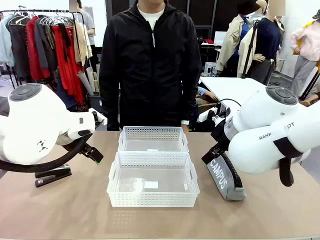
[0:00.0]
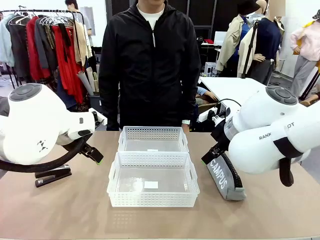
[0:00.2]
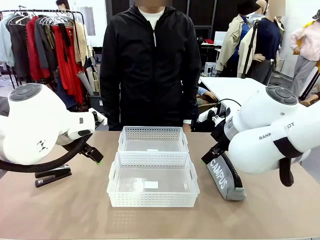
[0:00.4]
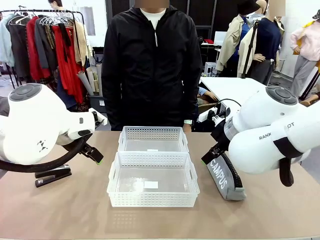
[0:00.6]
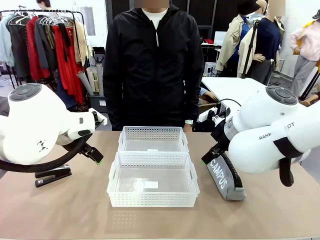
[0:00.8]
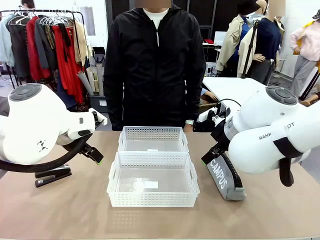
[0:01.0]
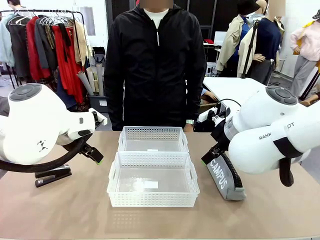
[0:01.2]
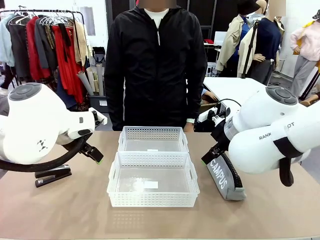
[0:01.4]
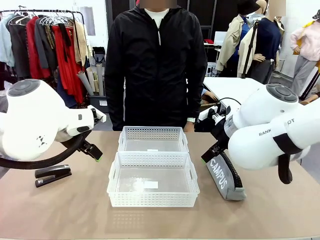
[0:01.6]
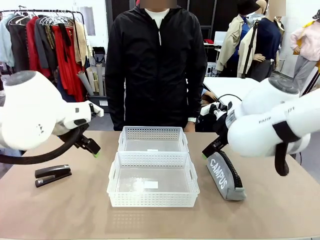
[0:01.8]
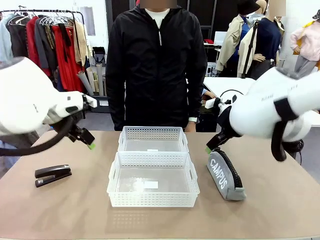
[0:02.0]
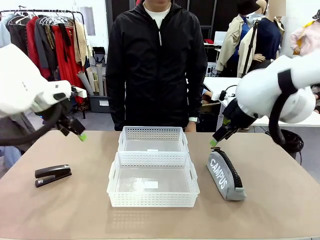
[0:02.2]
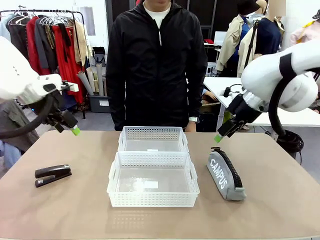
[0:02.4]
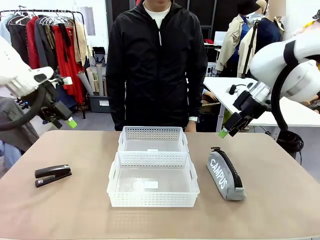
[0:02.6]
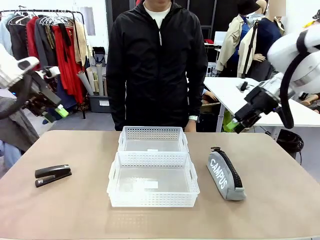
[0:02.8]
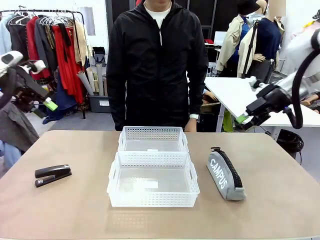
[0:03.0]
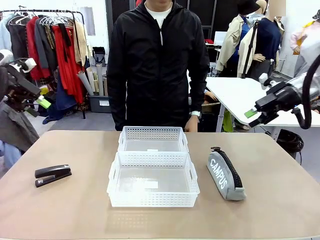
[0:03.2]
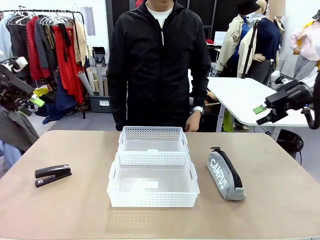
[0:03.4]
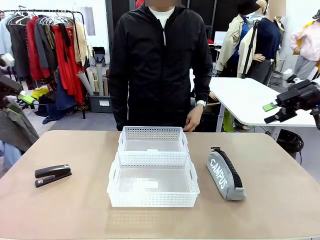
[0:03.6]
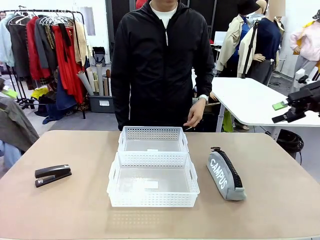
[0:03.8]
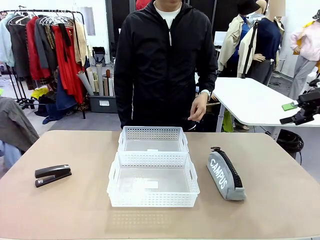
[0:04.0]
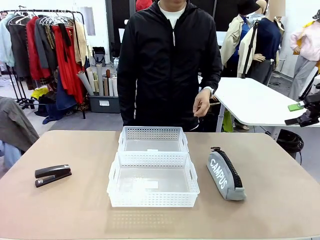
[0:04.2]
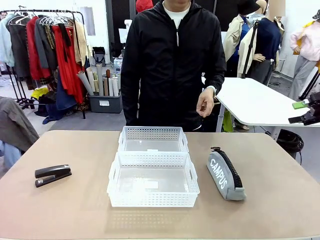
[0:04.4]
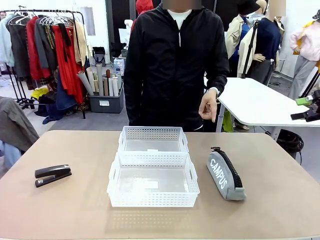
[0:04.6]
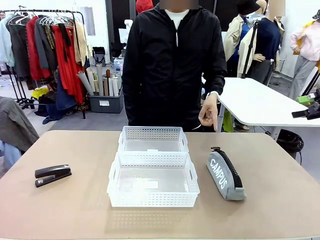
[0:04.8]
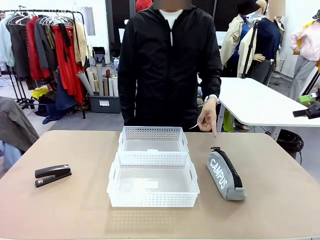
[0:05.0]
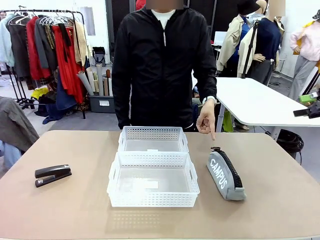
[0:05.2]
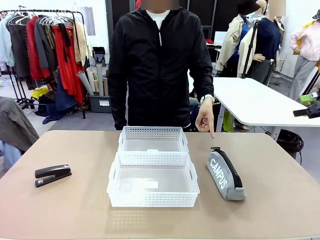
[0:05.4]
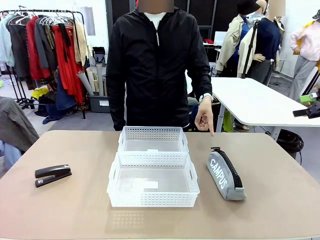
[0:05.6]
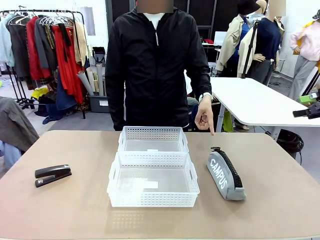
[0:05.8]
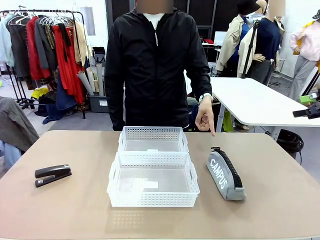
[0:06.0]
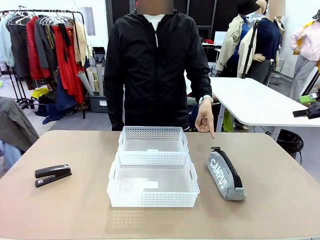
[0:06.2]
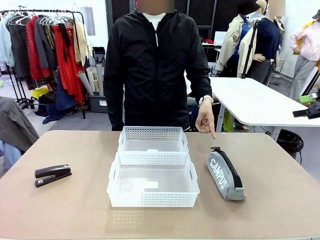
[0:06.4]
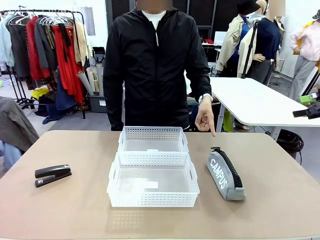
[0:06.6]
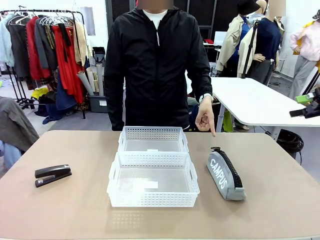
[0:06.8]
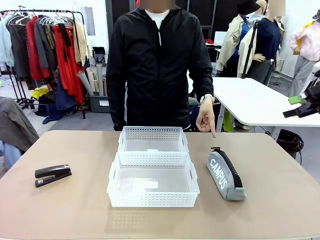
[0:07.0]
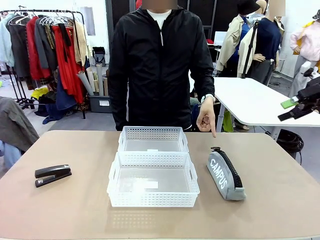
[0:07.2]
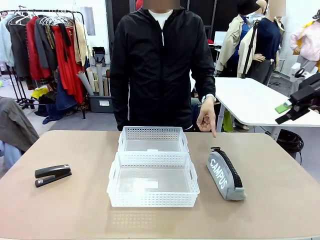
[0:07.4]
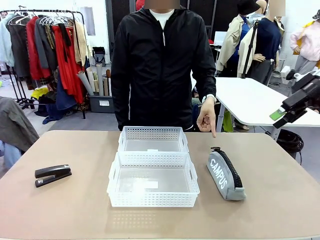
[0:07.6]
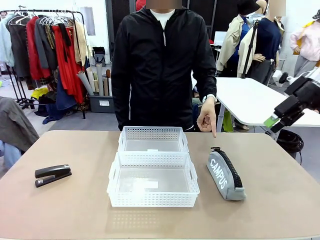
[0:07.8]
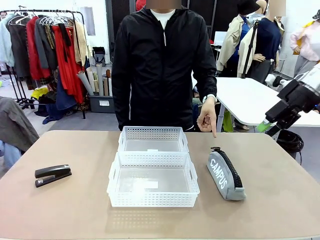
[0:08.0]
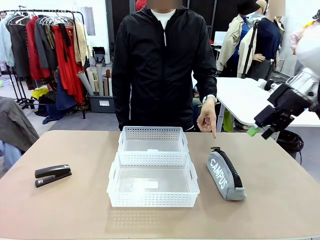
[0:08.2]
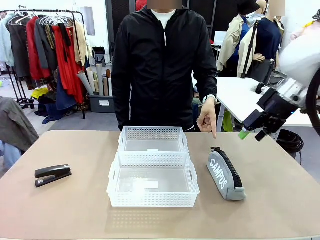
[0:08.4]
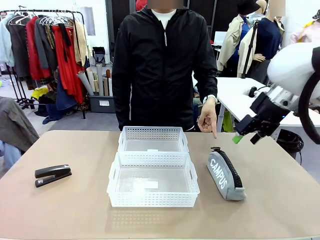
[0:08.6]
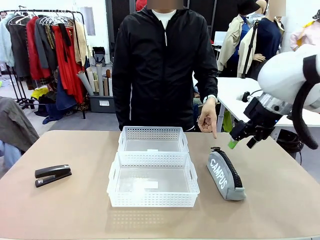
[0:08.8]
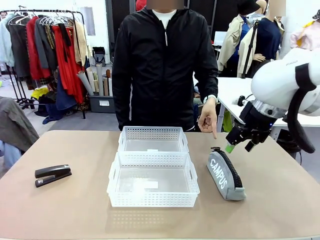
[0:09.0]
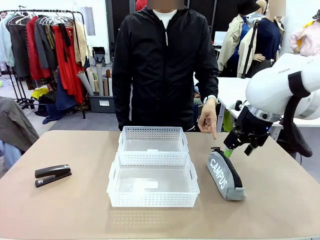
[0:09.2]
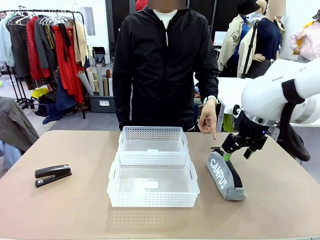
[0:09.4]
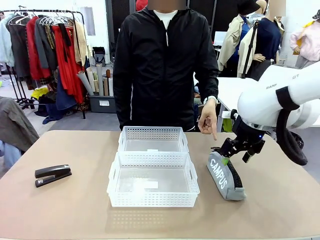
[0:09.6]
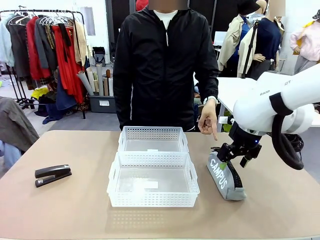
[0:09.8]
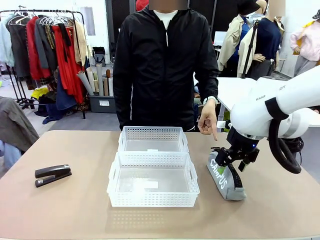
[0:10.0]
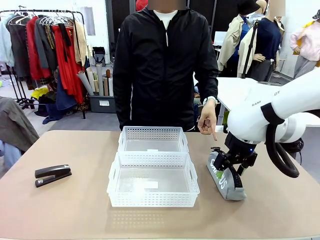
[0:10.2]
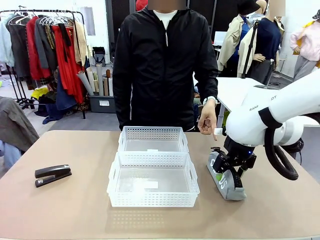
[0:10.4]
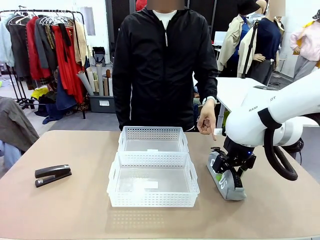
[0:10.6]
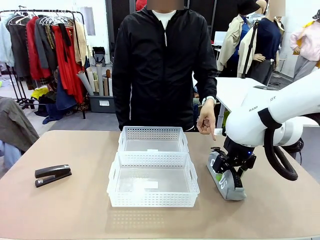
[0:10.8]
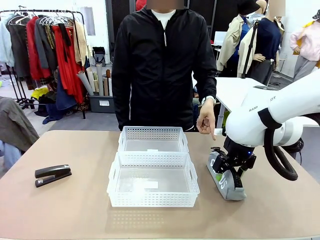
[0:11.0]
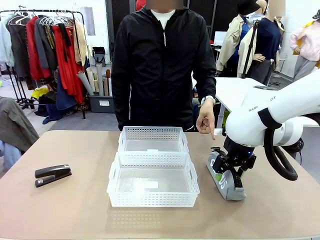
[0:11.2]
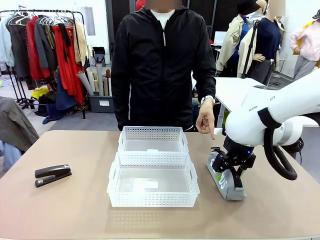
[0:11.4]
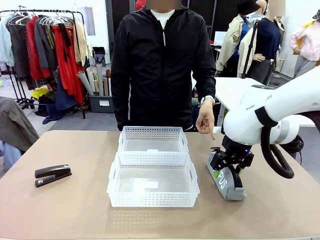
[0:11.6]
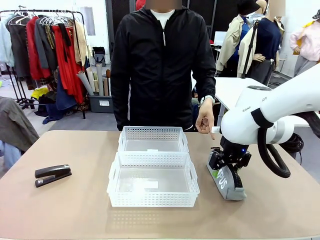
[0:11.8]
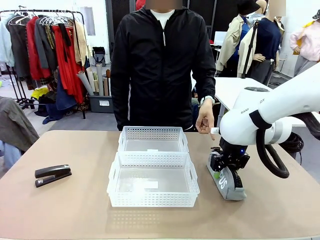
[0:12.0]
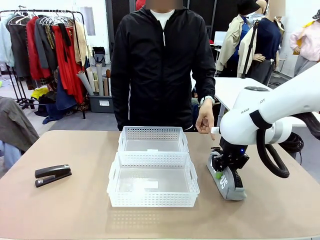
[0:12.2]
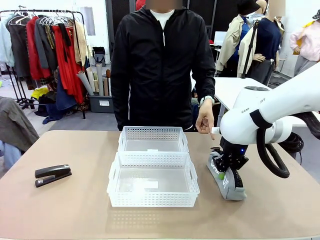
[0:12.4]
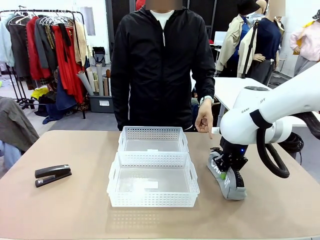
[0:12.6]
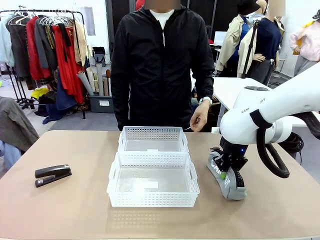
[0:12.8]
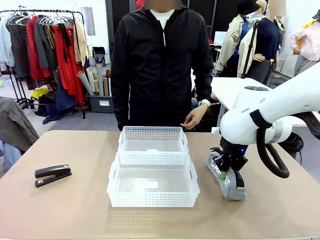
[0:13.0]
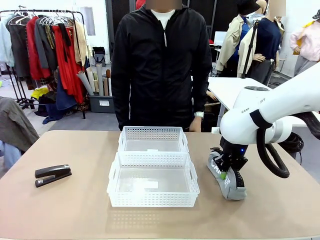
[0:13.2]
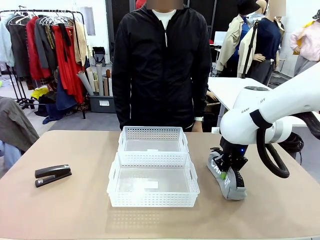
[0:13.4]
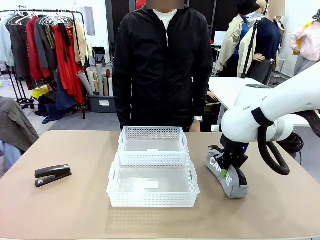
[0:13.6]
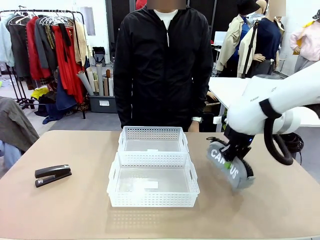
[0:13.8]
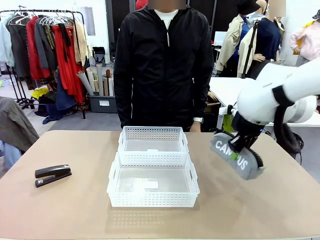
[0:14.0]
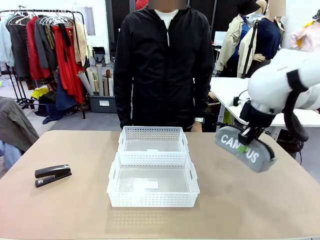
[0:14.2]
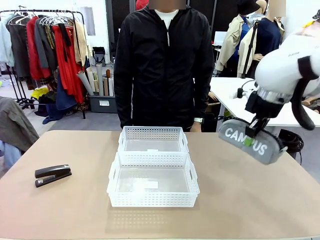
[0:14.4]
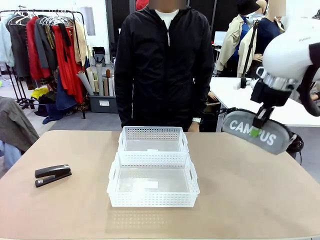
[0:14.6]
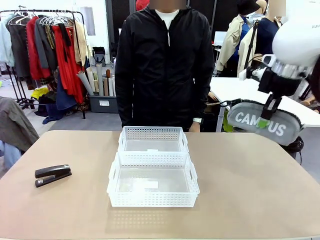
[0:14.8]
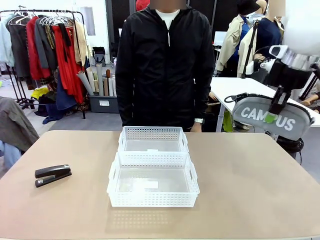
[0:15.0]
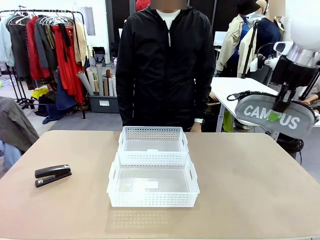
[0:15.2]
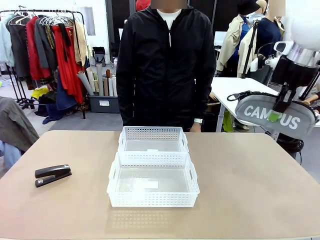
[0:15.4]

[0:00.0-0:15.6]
Task: Distribute items into two baskets.
Robot: Pick up the Pencil pouch that the person points to.
Person: Points to the pencil case. Points between the two organizing baskets and instructs the robot to move the pencil case.

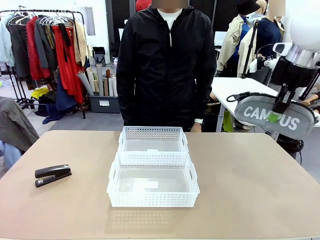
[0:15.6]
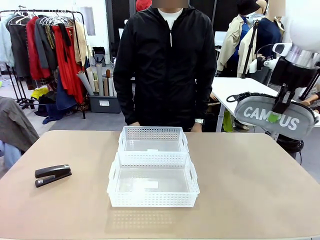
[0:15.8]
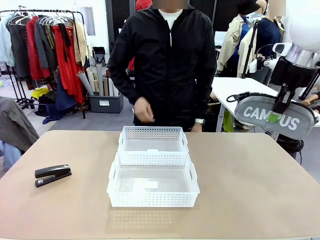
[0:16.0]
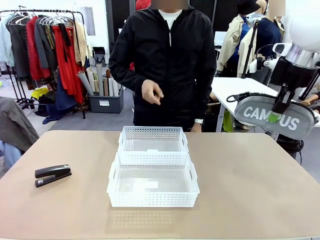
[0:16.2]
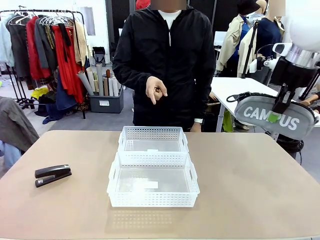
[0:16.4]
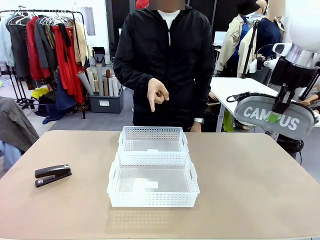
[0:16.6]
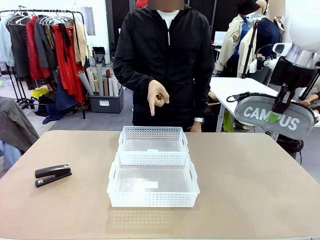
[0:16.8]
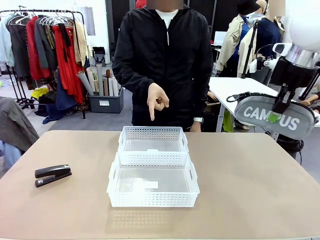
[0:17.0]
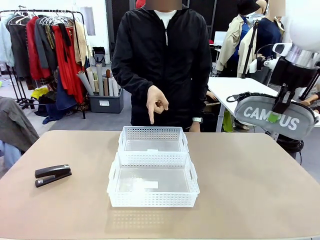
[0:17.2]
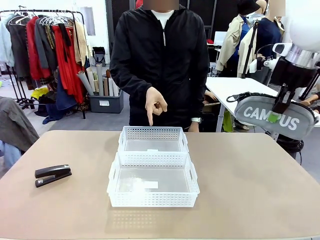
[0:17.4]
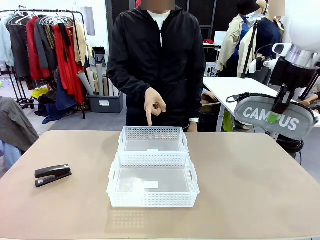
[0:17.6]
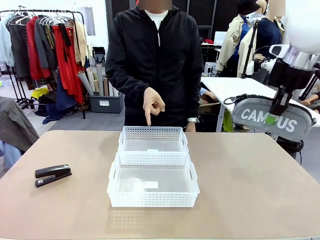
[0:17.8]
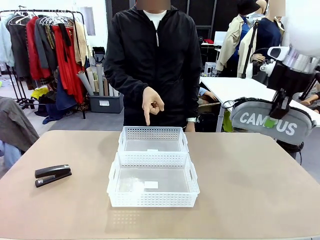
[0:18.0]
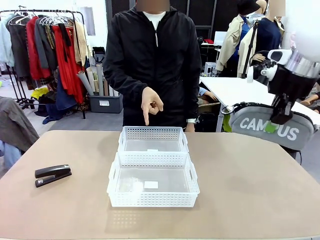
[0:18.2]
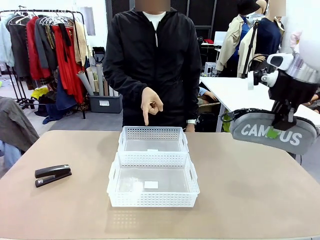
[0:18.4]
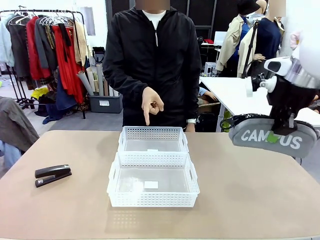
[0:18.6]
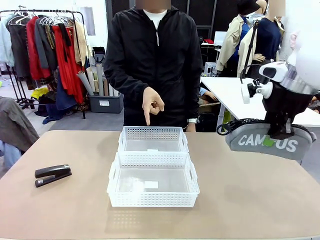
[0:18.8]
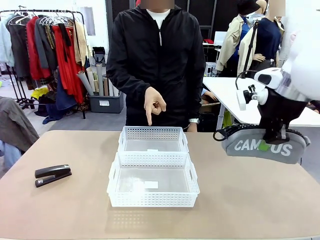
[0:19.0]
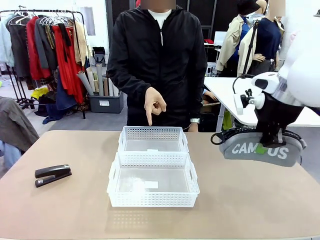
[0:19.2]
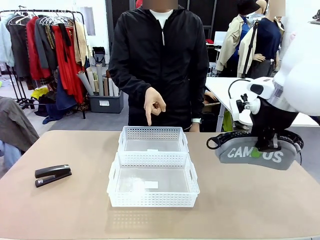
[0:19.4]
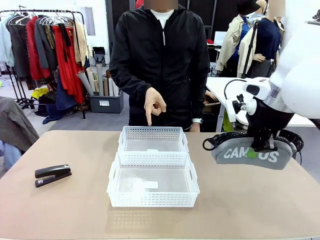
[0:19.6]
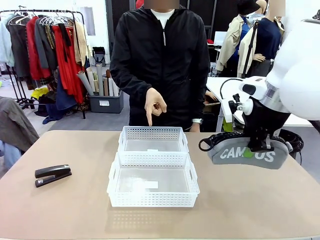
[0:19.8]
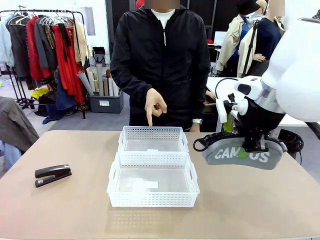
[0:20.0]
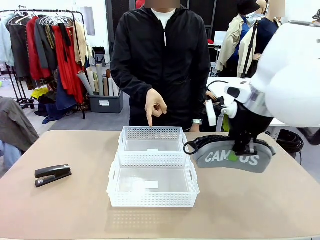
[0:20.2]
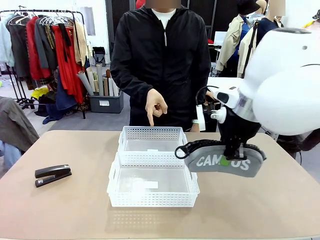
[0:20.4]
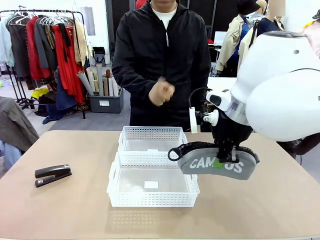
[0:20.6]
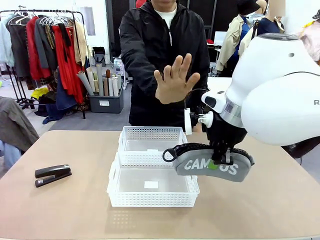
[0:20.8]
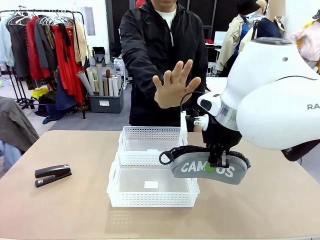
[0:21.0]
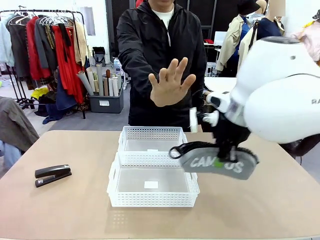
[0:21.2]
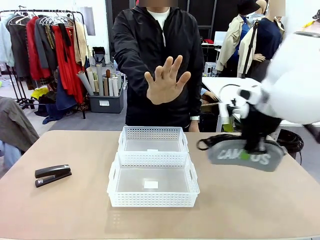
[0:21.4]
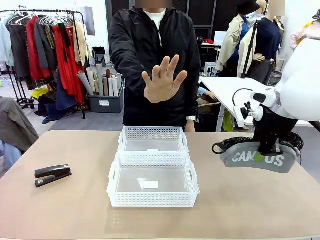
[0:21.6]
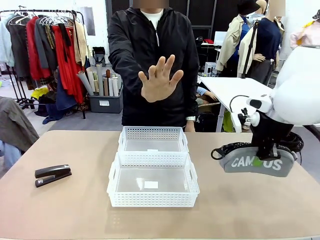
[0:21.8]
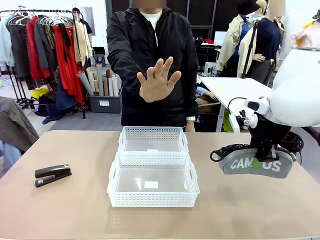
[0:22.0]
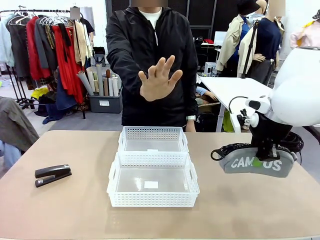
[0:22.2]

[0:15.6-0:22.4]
Robot: Move the picked Pencil pouch towards the Organizing basket indicated by the person, stopping as directed.
Person: Sends a stop gesture before the robot places the pencil case into the basket.
